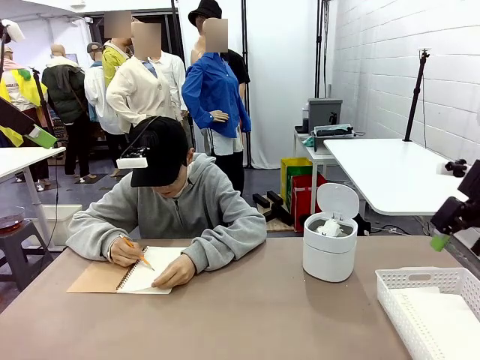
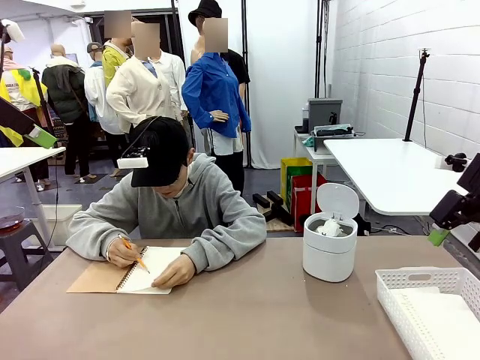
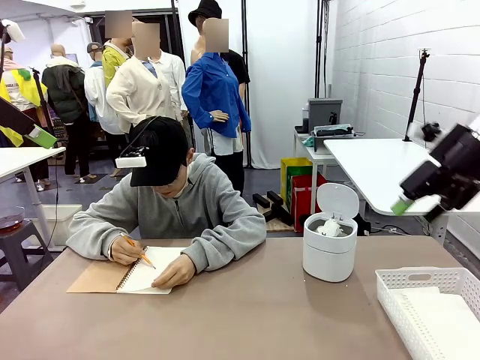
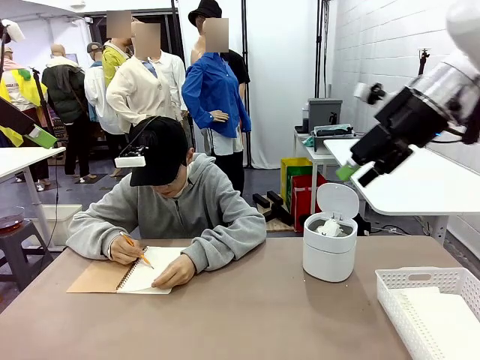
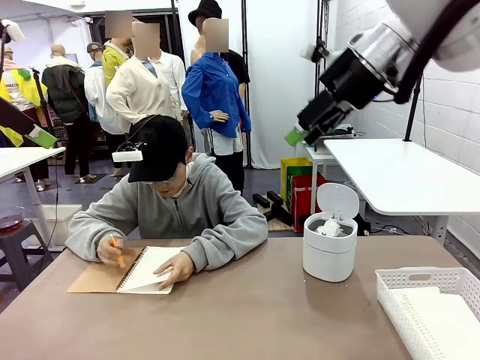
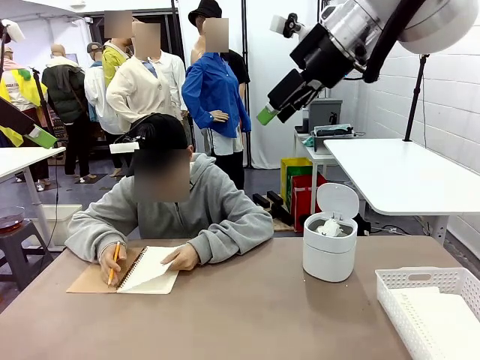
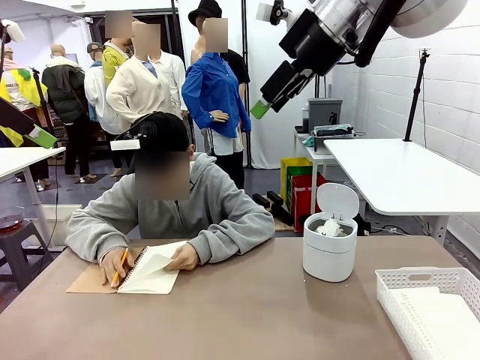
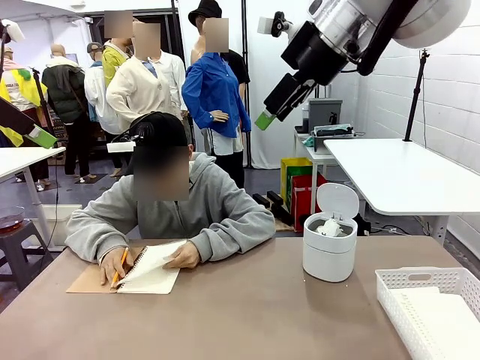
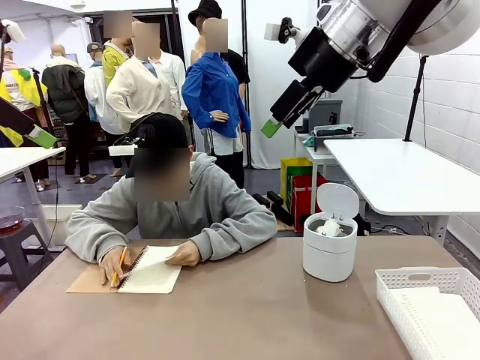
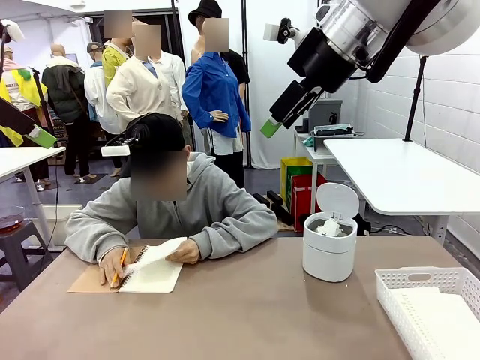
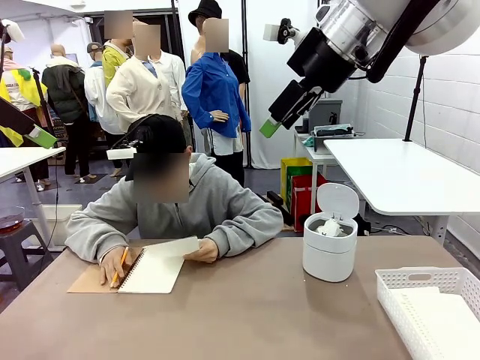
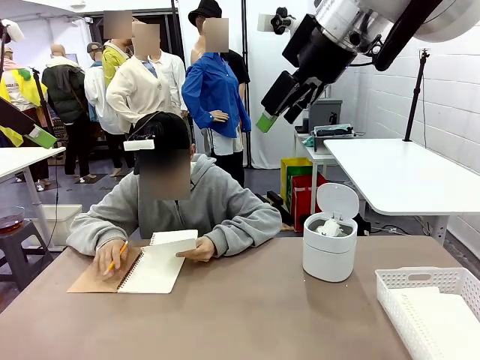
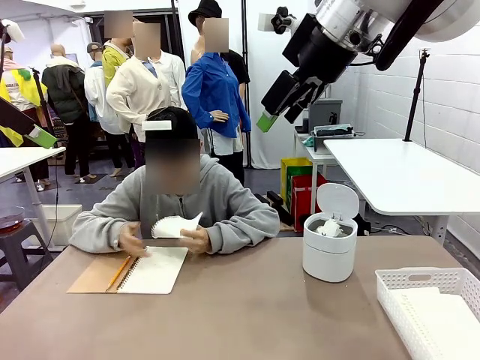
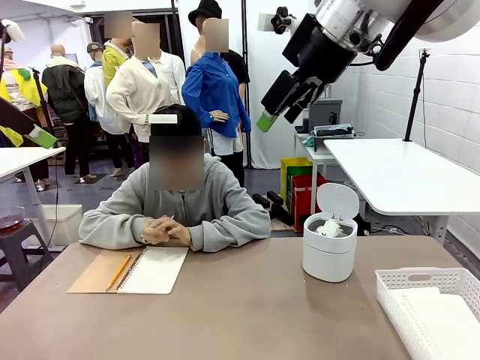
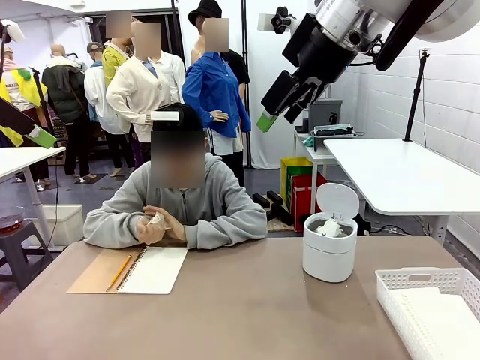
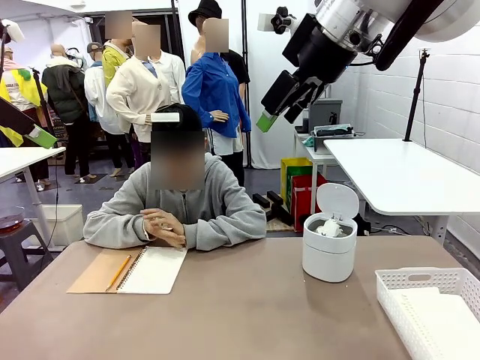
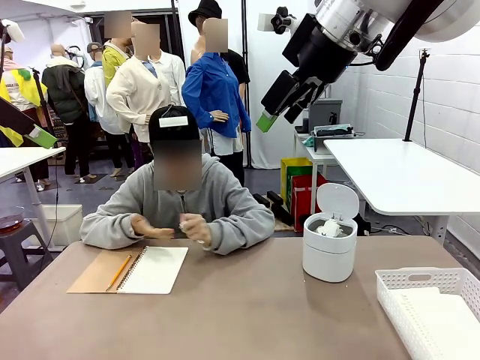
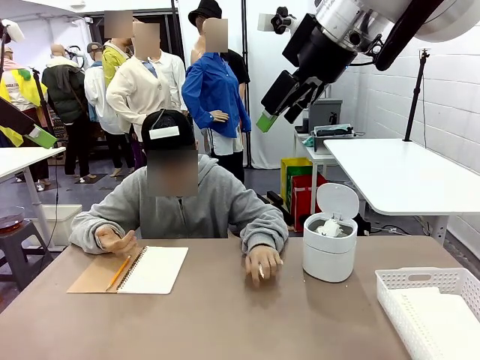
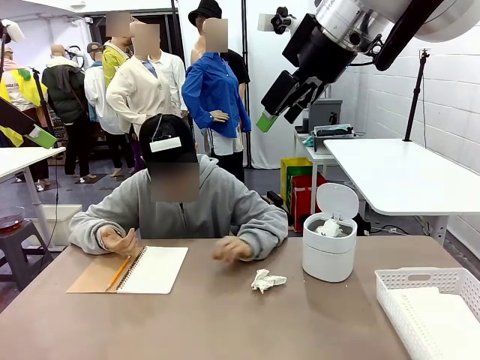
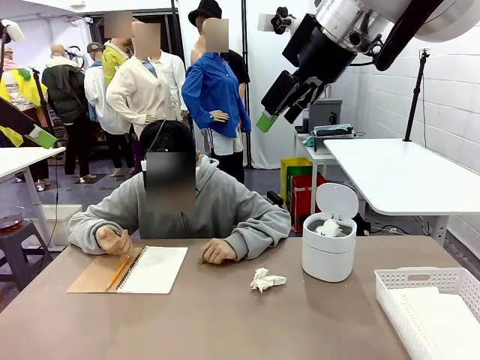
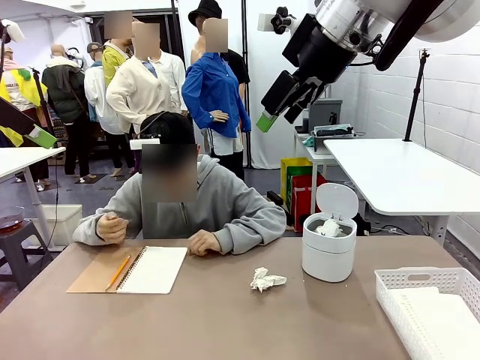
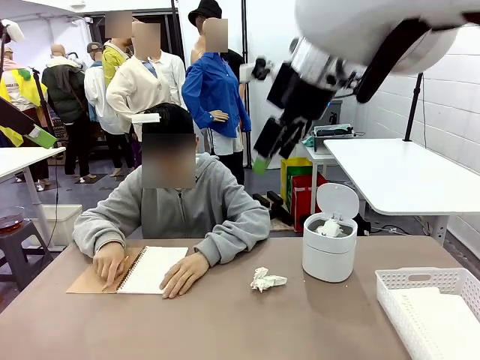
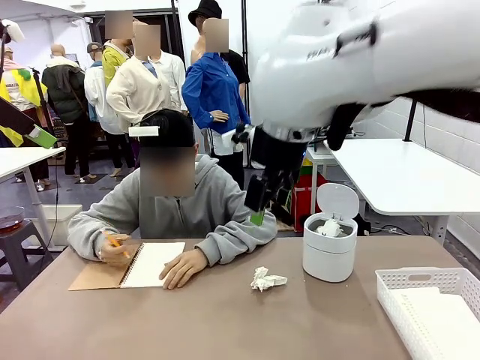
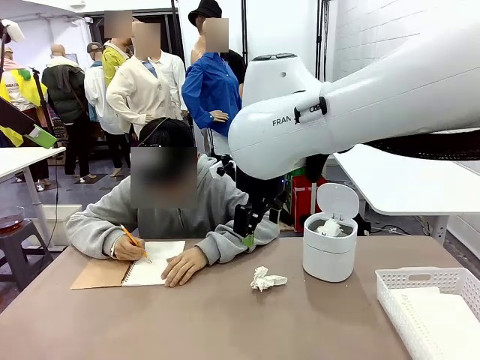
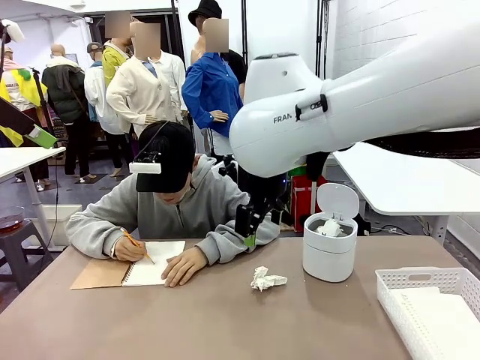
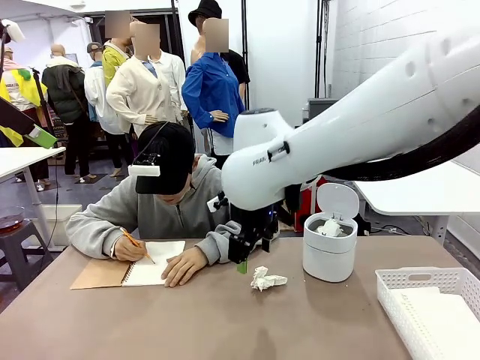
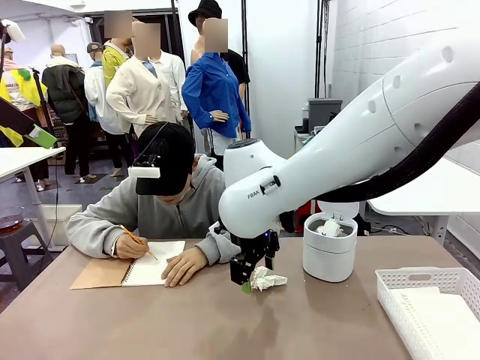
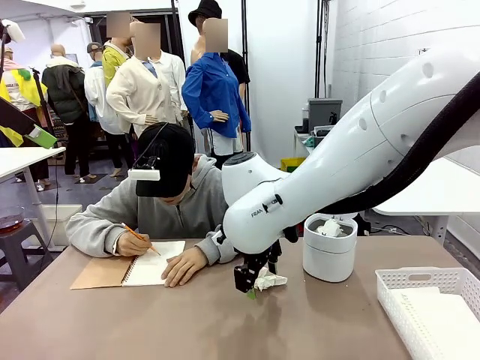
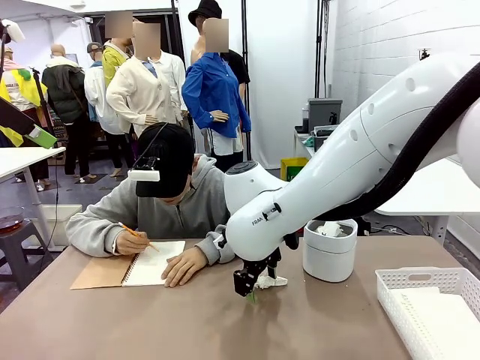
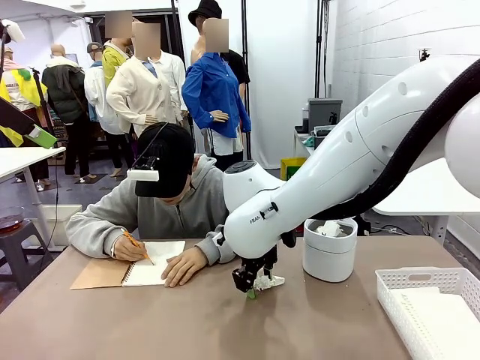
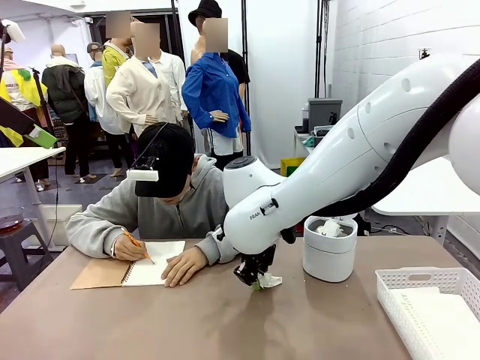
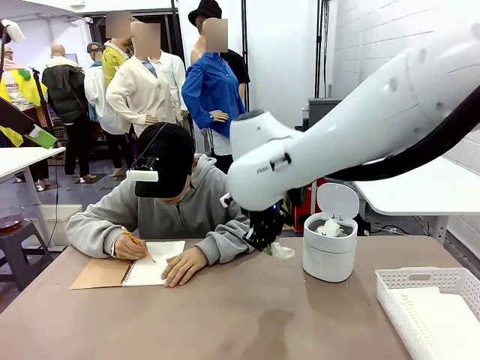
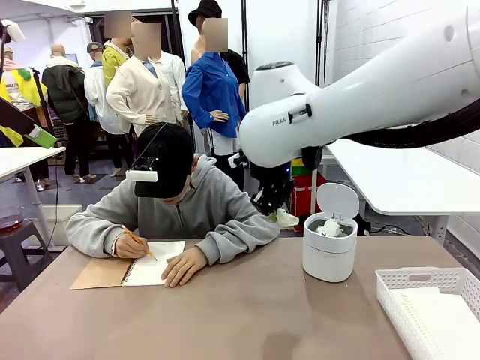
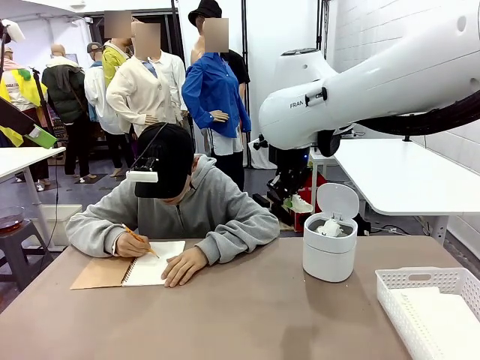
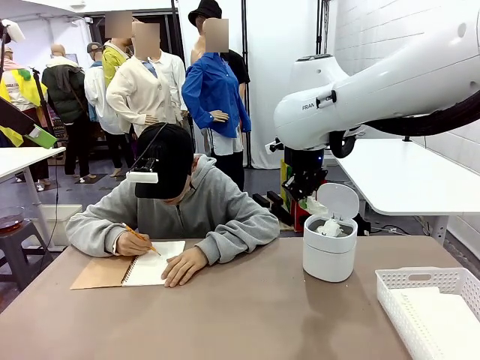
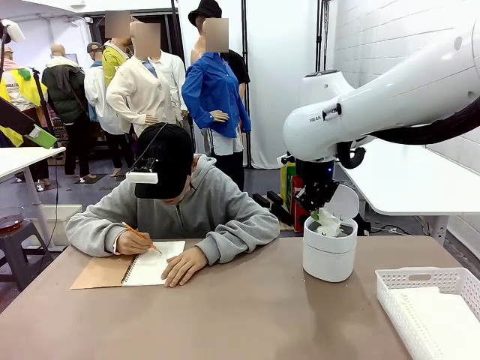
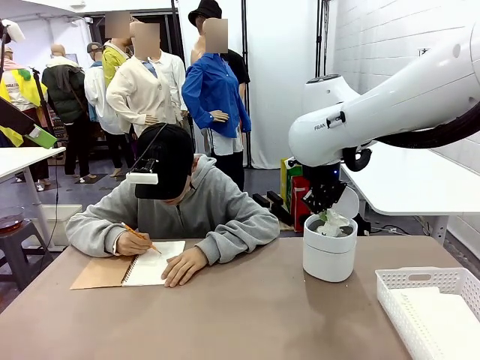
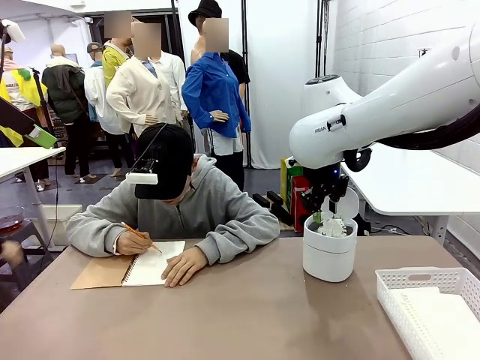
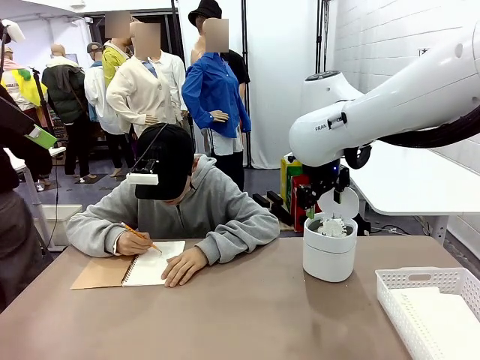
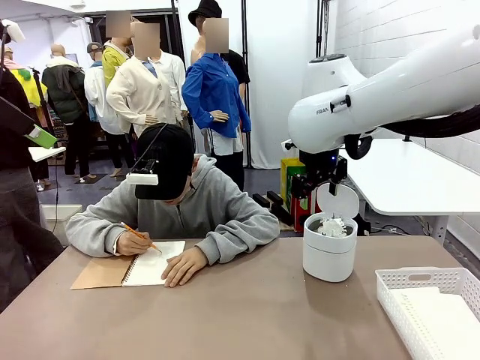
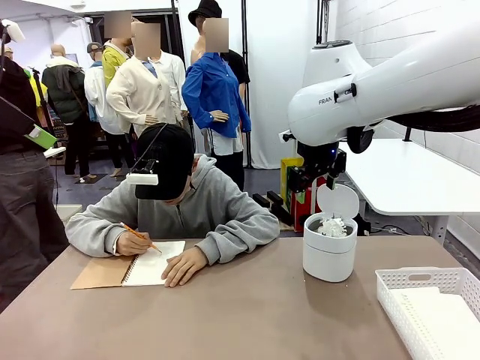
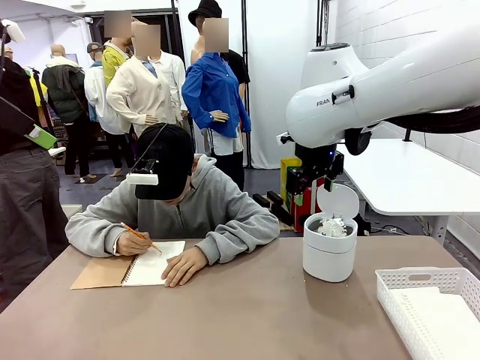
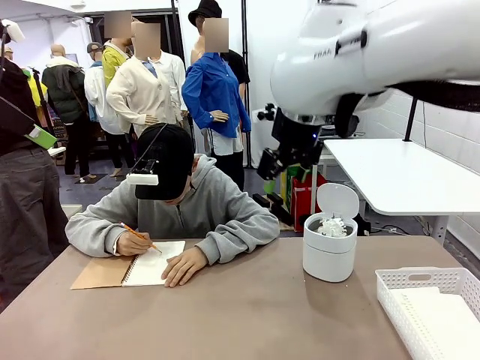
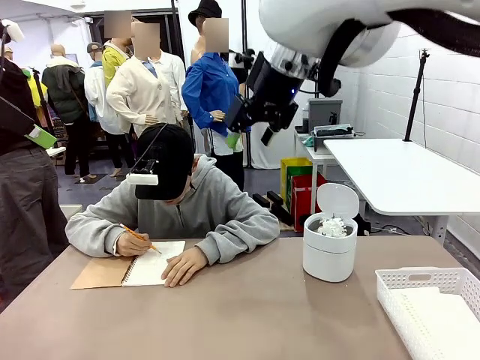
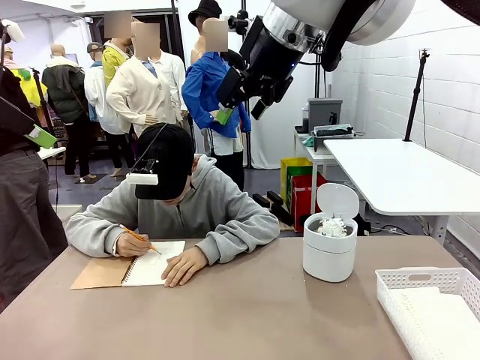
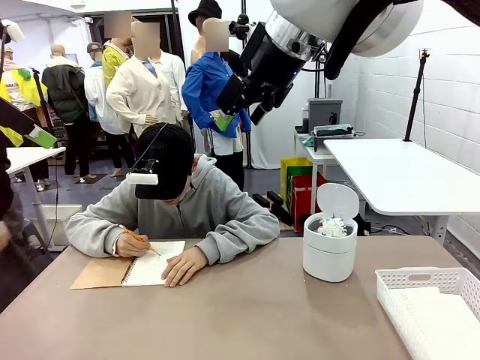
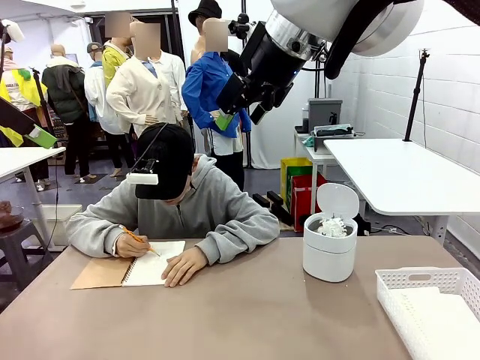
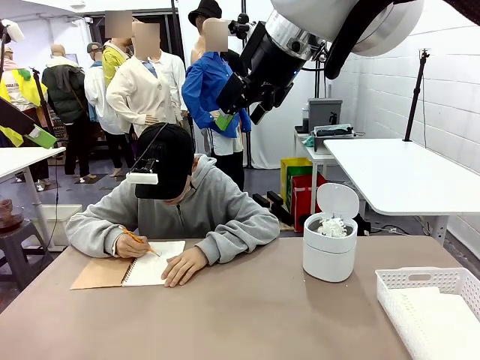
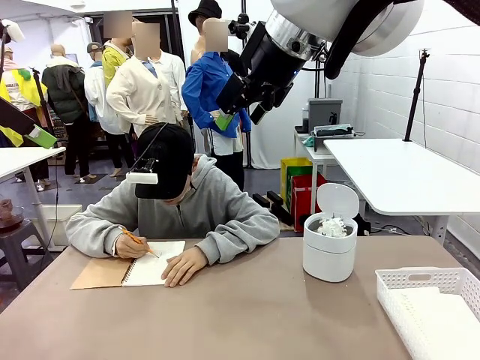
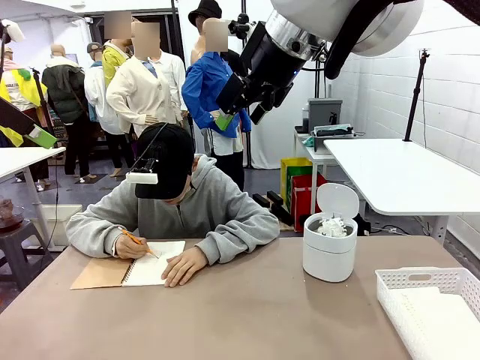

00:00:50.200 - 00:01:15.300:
Task: Sort the paper based on its condition.
Robot: If a person hands you a paper, place it in the Organizing basket , and if it's crumpled, put it in the Trash can.
Person: Hand the torn page to the robot or crumple it and throw it to the center of the table.
